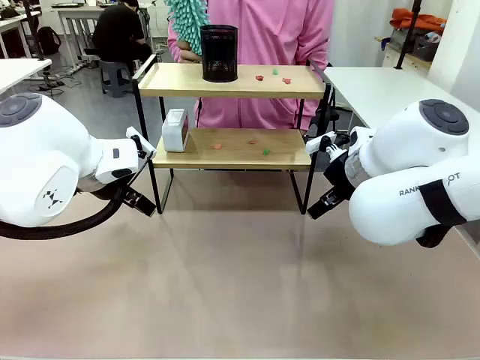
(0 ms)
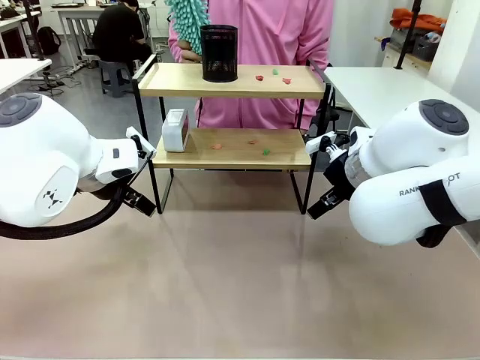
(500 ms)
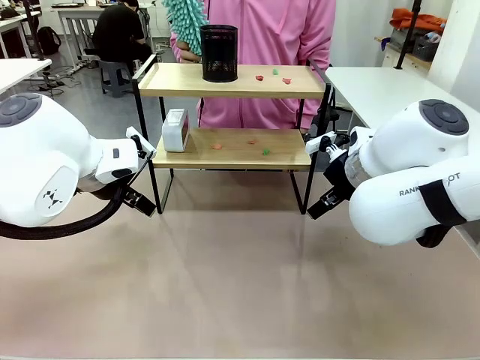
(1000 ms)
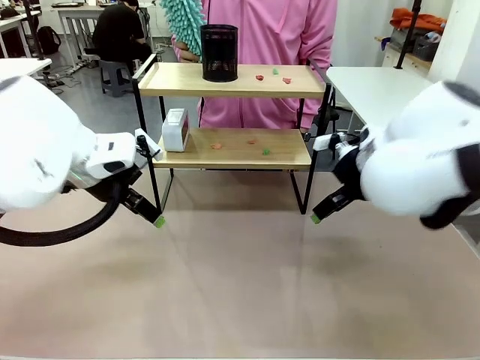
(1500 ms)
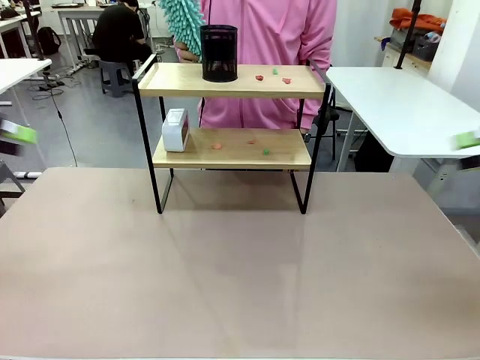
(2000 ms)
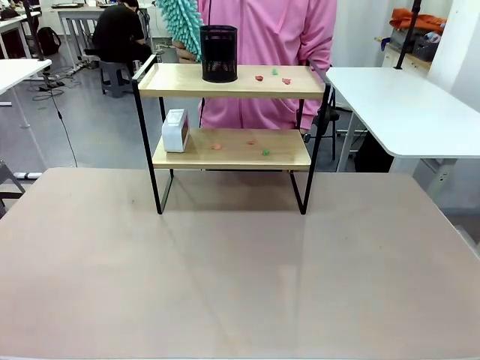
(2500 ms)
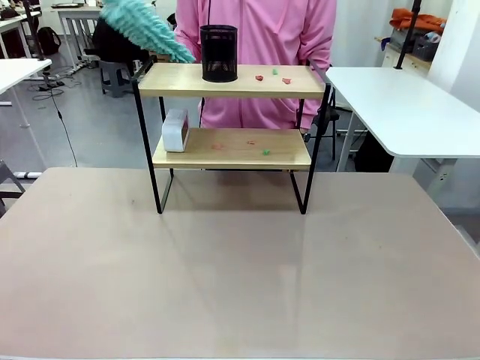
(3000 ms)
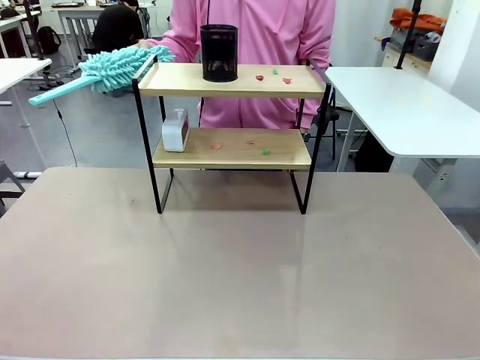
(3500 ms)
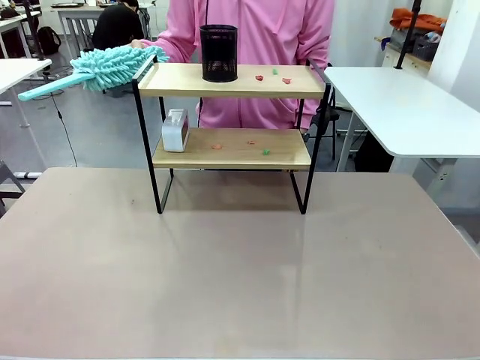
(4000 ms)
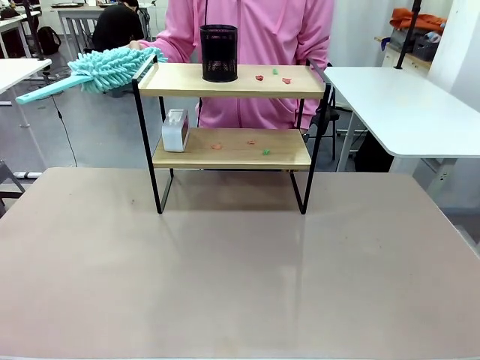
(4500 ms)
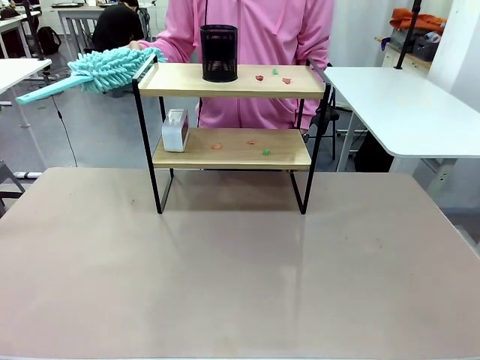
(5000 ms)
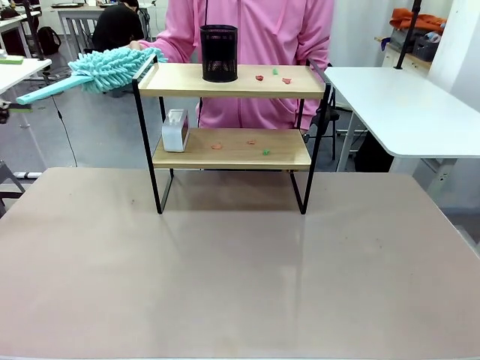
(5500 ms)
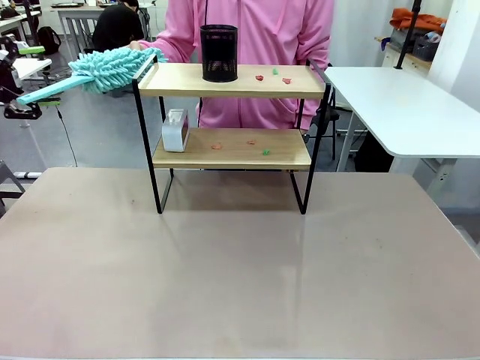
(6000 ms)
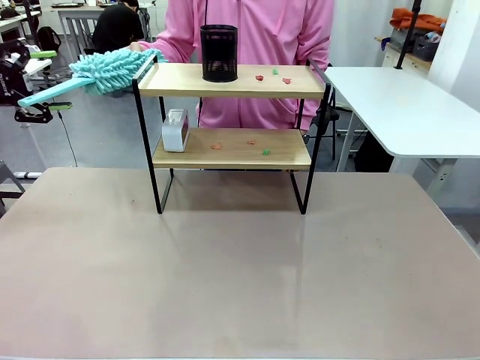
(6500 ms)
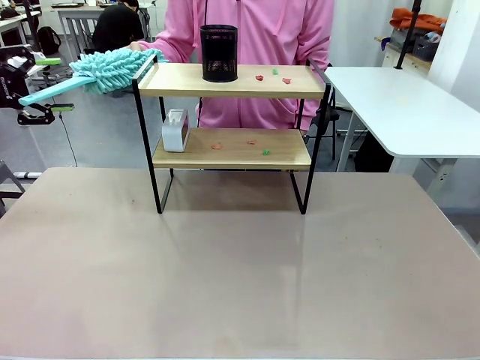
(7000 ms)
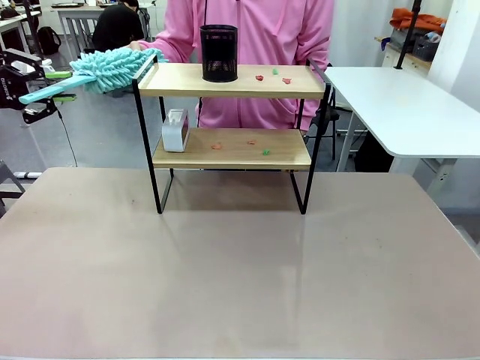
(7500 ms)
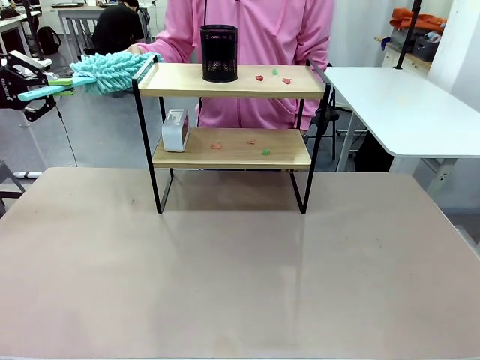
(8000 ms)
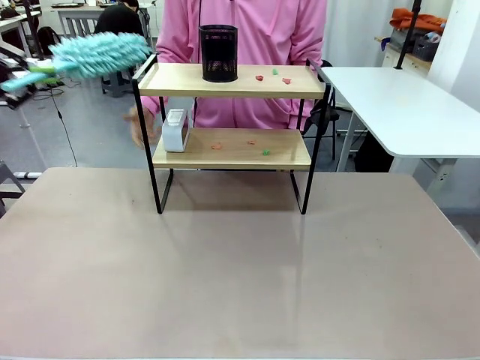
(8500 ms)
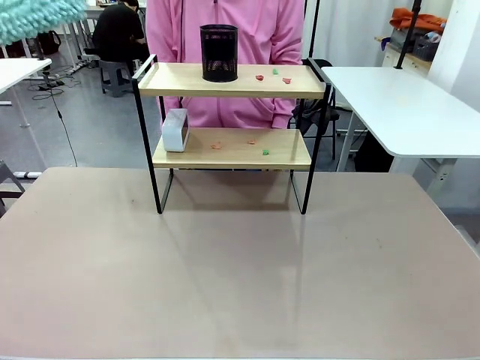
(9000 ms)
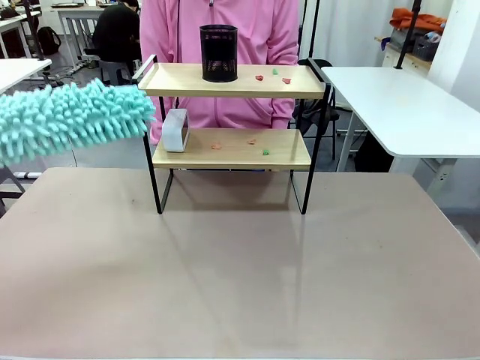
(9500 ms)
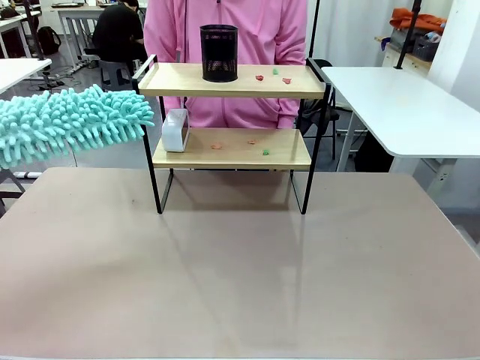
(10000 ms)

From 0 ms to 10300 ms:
Task: Clean the shelf.
Robot: Pick up the Duster from the human.
Person: Hand the Duster to the robot.

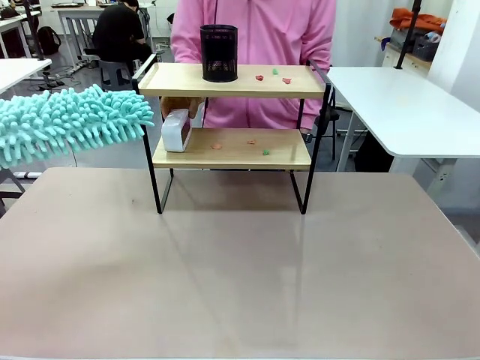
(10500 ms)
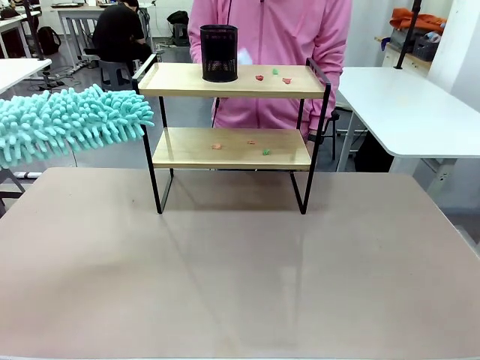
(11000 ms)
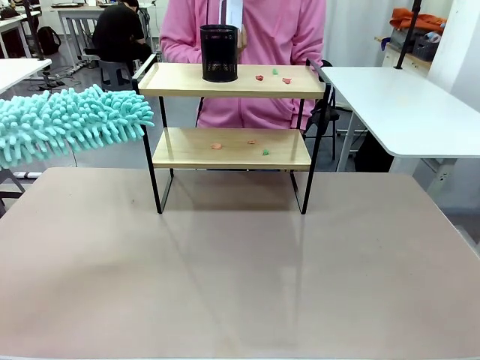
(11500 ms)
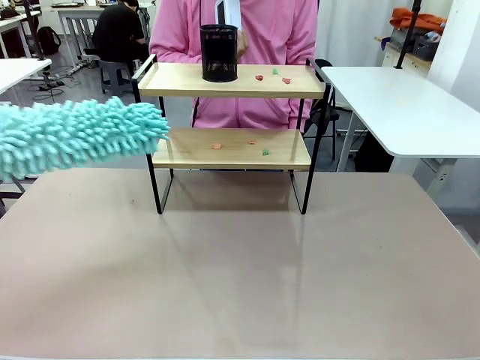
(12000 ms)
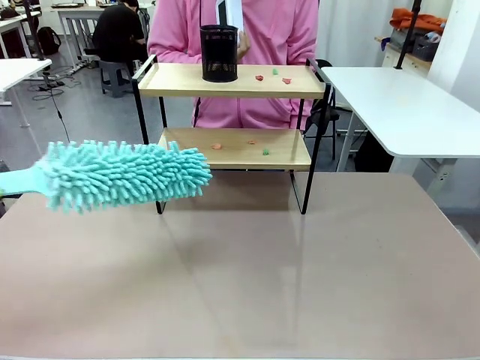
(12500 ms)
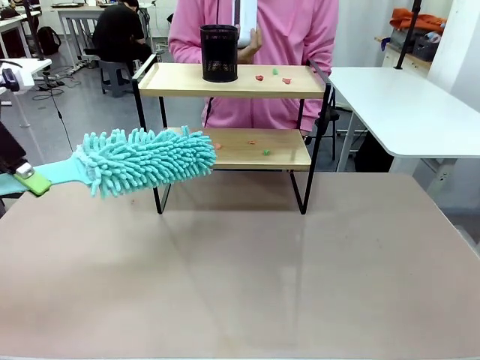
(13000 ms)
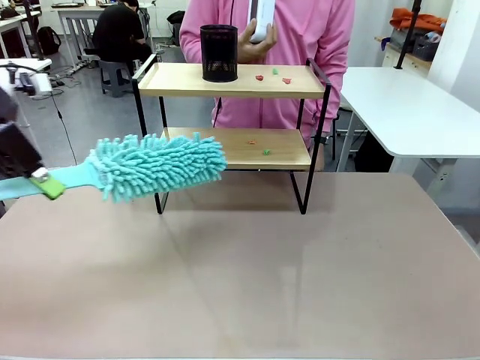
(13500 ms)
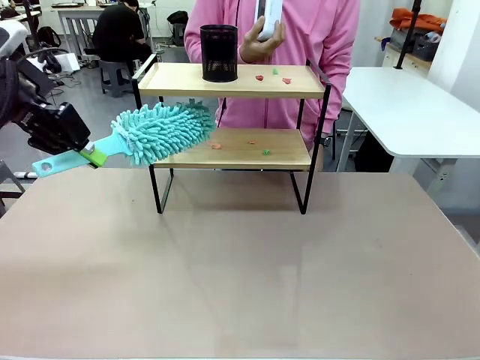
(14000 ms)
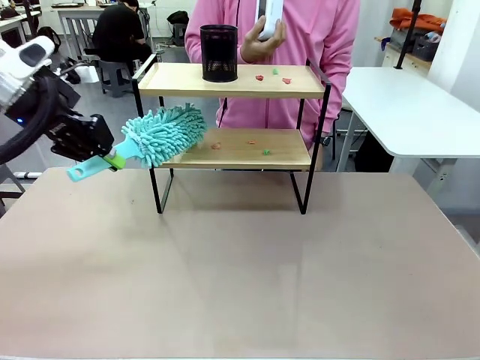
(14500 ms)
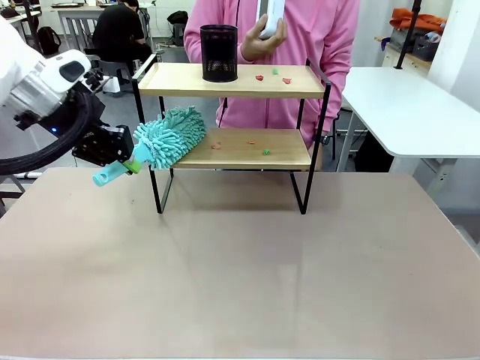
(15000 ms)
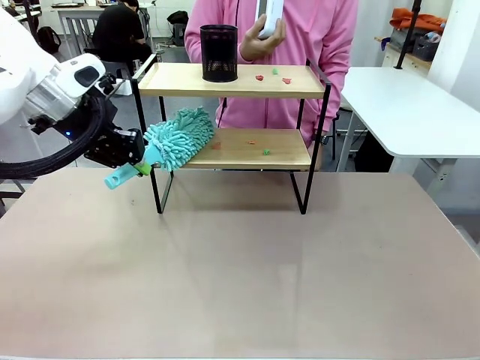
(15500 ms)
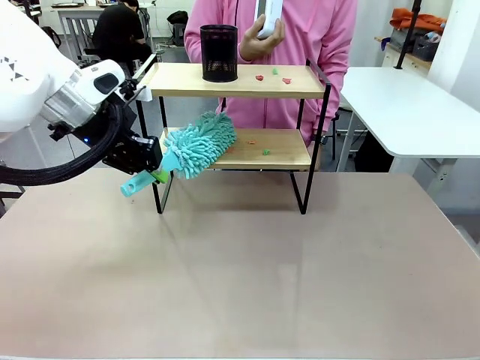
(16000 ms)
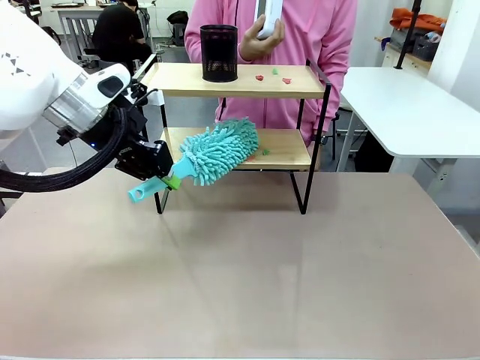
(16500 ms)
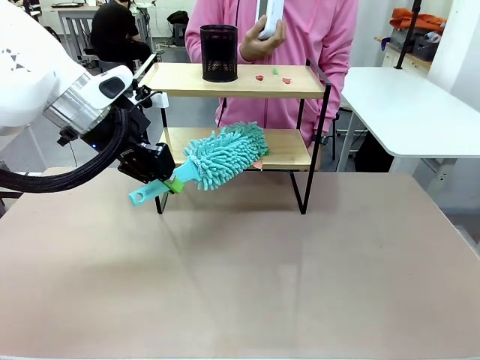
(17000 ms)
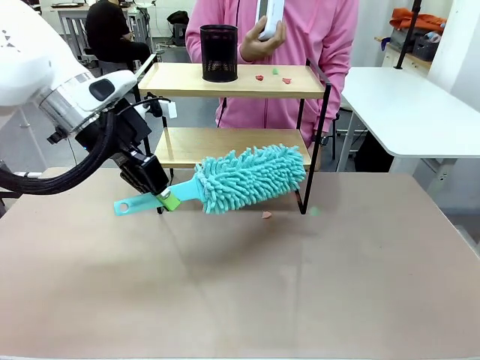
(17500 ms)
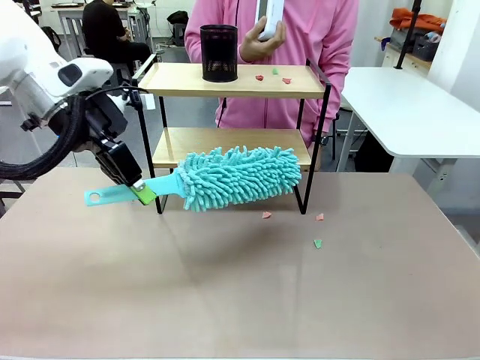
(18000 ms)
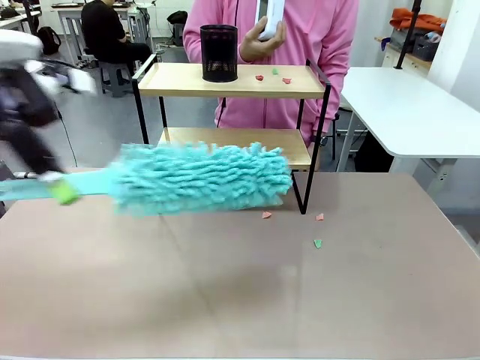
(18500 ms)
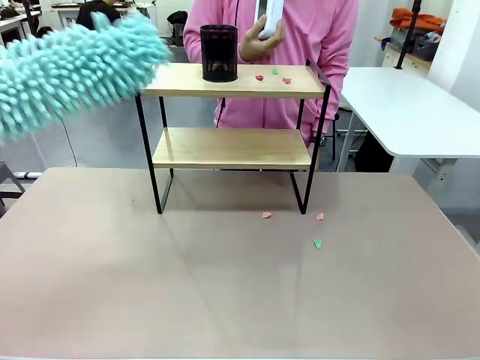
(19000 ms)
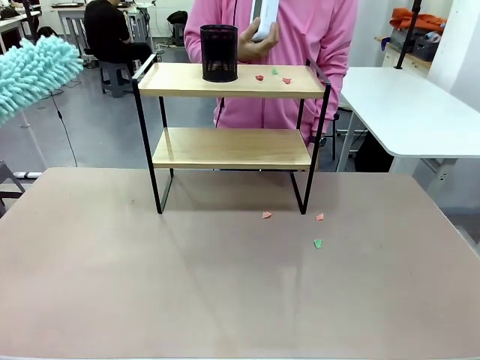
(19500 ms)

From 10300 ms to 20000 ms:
Robot: Clean the specific tier of the Shelf with the Duster once objects are removed.
Person: Lift the objects on a randomly selected tier of the Shelf. Once the robot finishes cleaning, lift the objects on the remaining tiers of the Shelf.

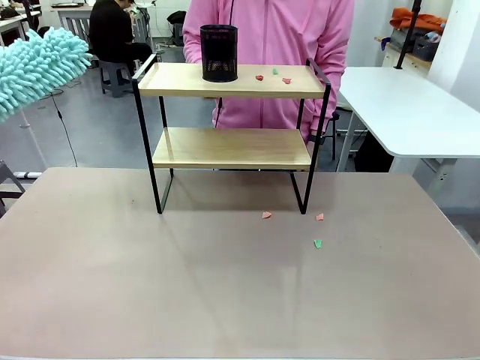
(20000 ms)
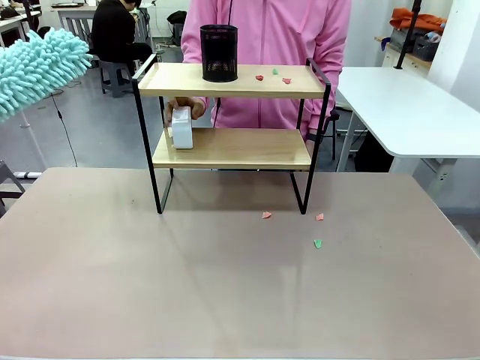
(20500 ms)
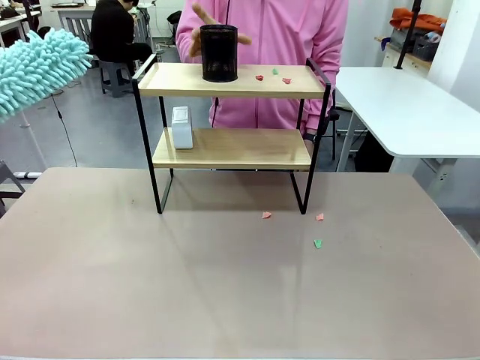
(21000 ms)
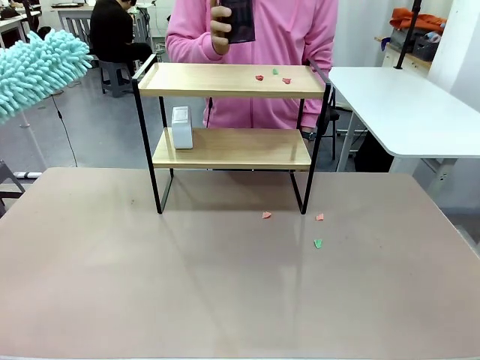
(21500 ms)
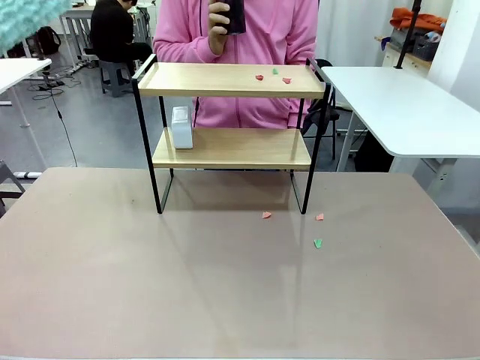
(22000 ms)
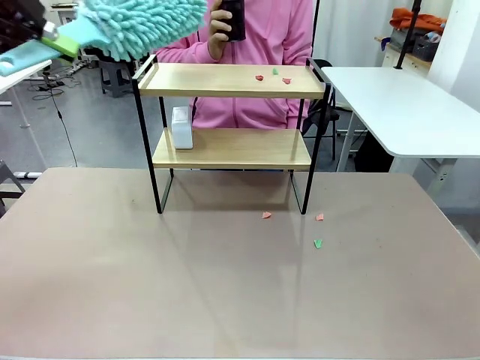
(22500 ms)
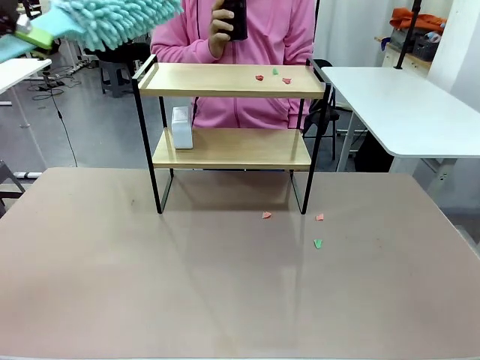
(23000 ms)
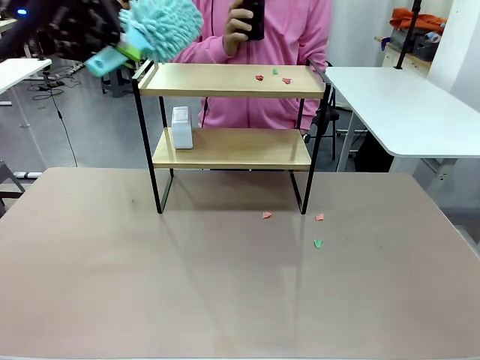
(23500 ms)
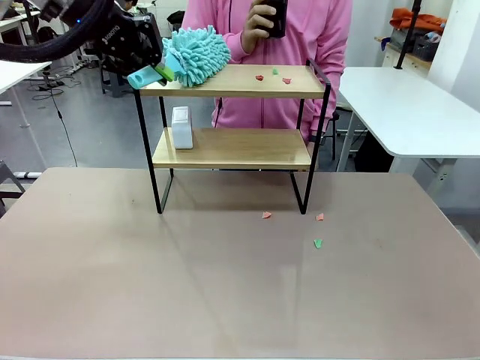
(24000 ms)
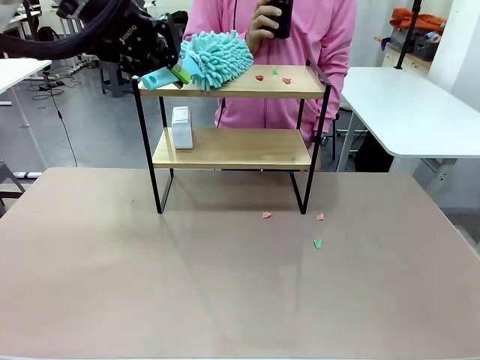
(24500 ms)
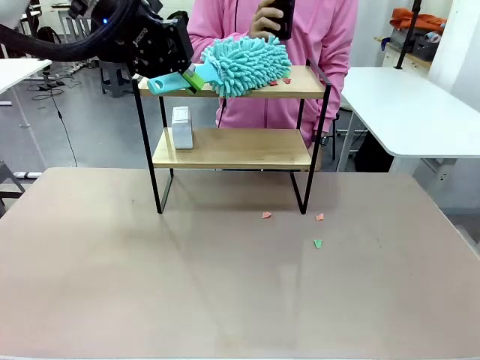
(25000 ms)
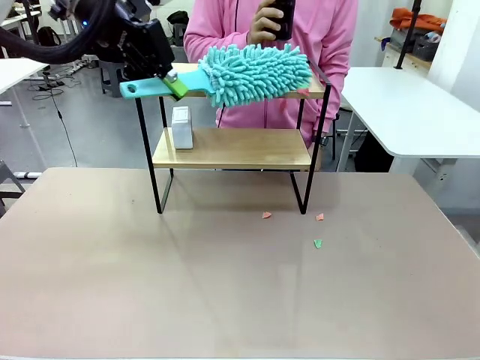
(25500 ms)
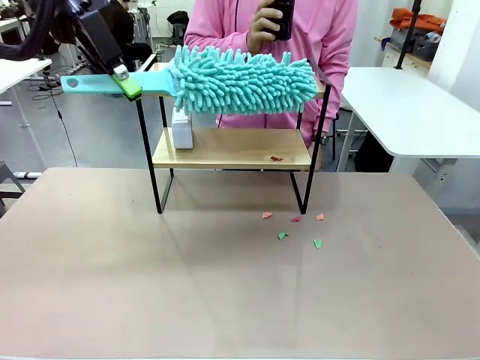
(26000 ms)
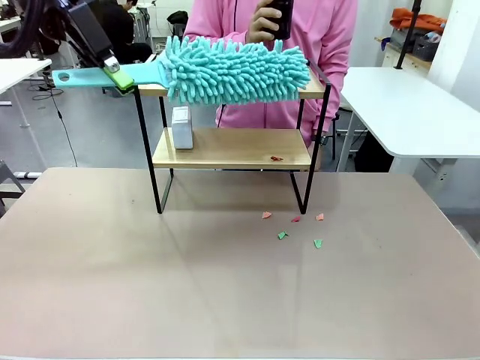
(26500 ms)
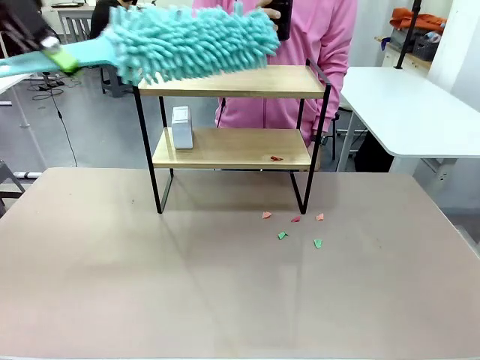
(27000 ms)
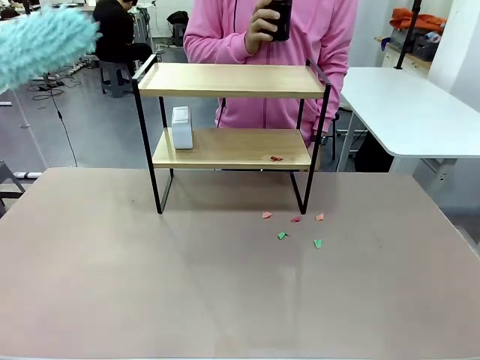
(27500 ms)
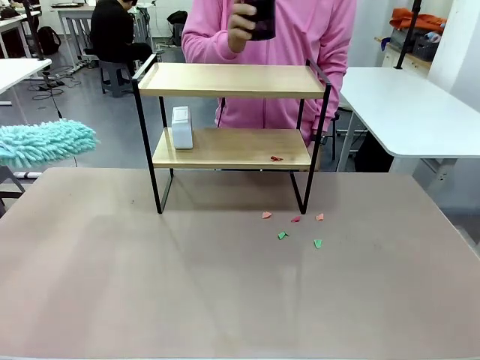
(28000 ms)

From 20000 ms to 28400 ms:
Robot: Clean the remaining tier of the Shelf with the Duster once objects are removed.
